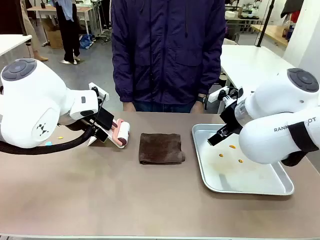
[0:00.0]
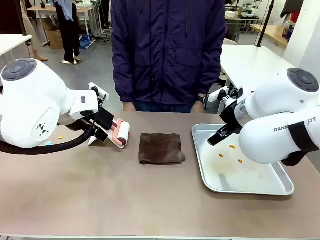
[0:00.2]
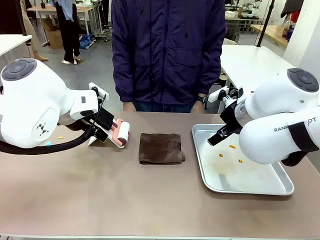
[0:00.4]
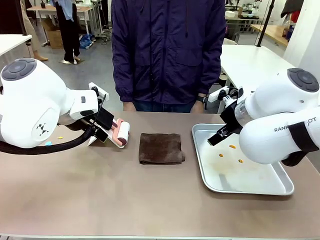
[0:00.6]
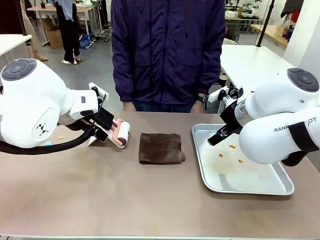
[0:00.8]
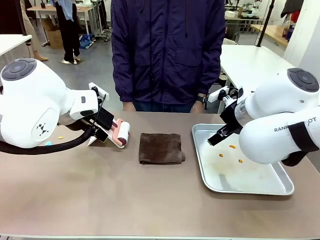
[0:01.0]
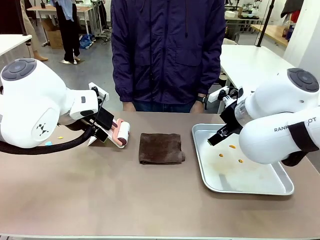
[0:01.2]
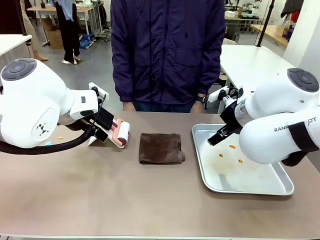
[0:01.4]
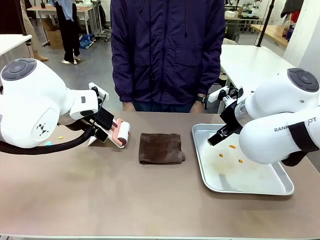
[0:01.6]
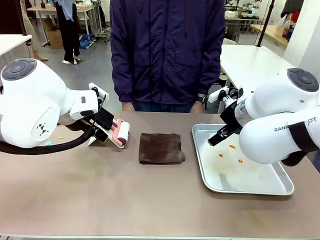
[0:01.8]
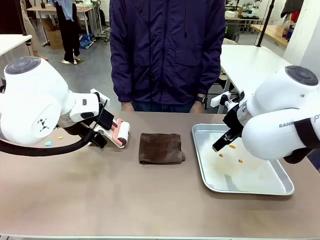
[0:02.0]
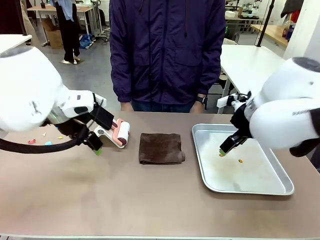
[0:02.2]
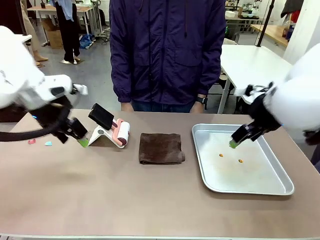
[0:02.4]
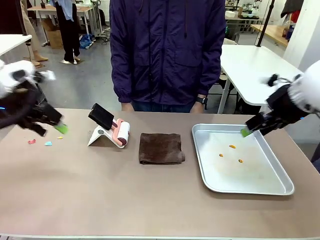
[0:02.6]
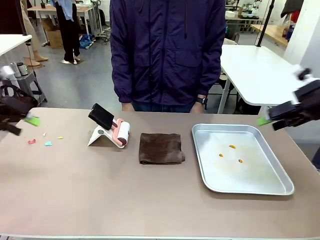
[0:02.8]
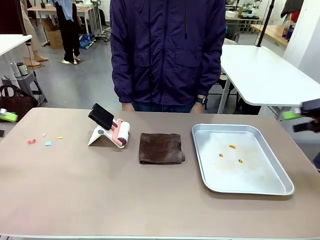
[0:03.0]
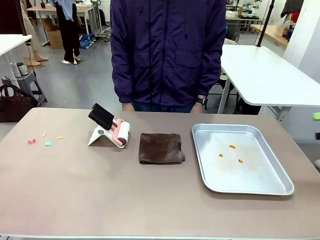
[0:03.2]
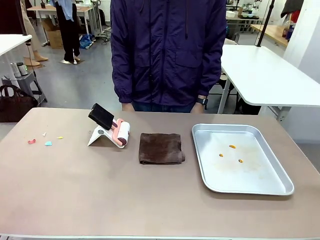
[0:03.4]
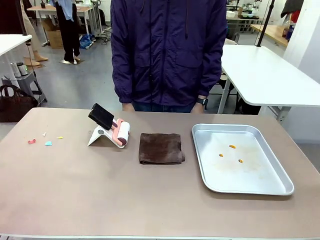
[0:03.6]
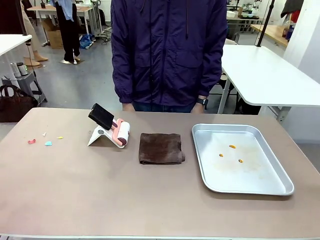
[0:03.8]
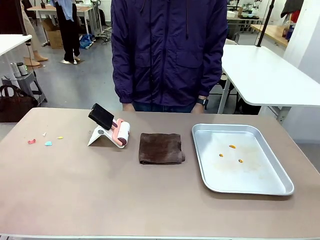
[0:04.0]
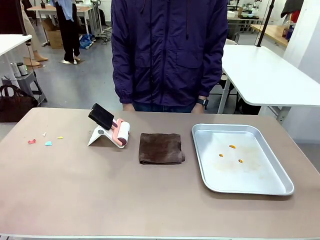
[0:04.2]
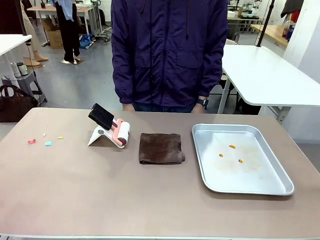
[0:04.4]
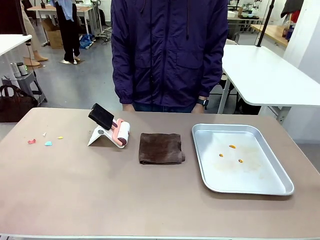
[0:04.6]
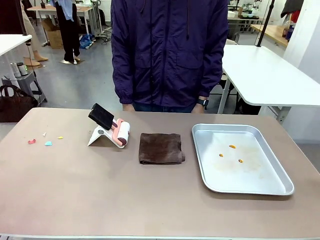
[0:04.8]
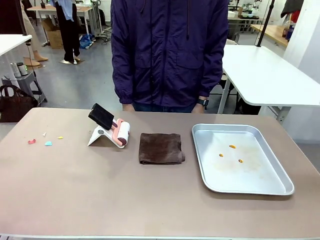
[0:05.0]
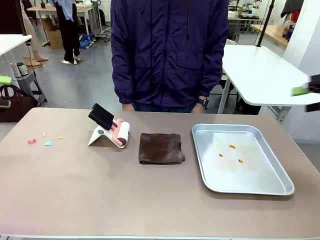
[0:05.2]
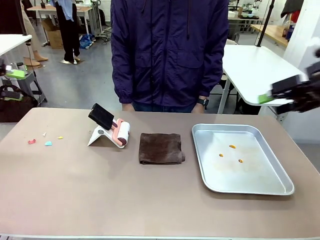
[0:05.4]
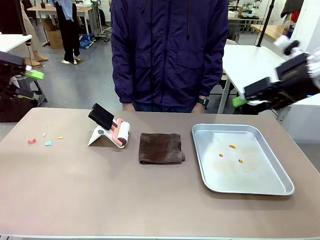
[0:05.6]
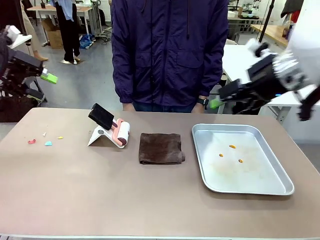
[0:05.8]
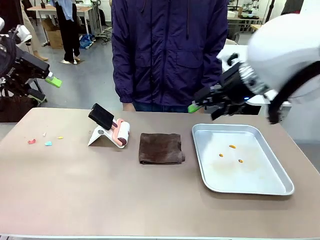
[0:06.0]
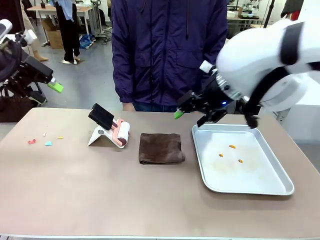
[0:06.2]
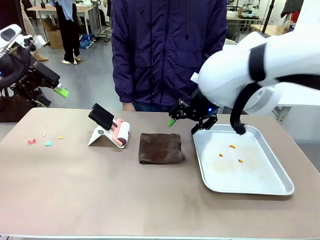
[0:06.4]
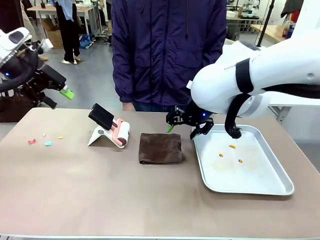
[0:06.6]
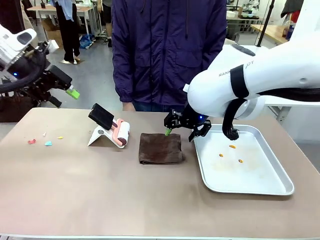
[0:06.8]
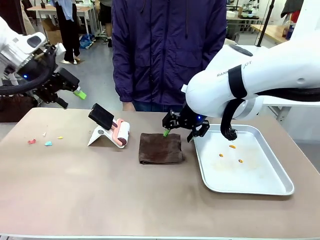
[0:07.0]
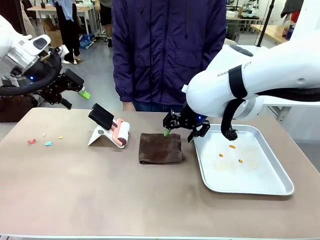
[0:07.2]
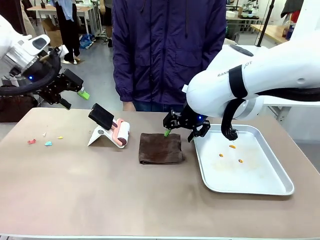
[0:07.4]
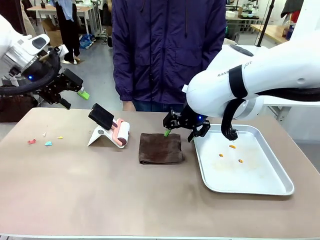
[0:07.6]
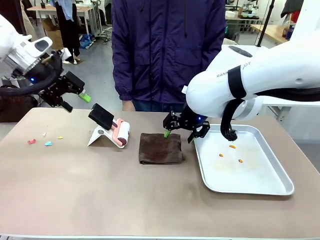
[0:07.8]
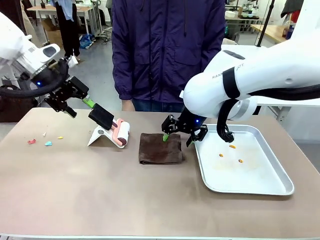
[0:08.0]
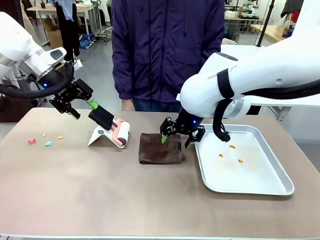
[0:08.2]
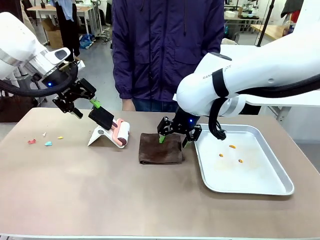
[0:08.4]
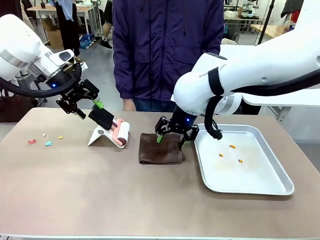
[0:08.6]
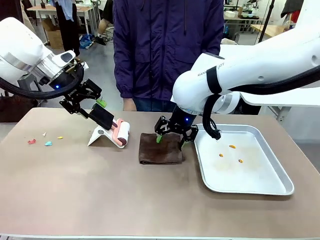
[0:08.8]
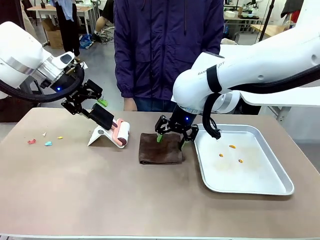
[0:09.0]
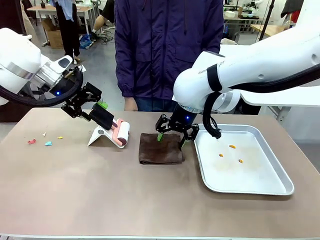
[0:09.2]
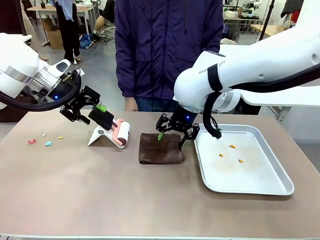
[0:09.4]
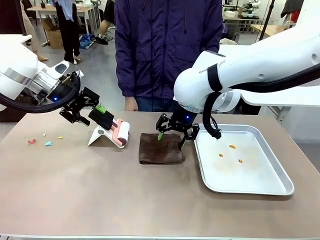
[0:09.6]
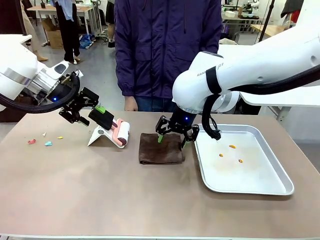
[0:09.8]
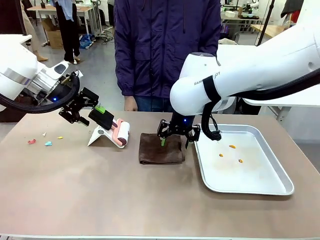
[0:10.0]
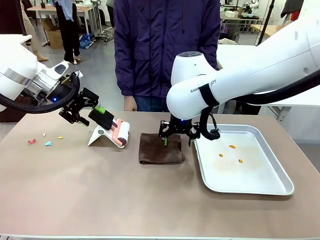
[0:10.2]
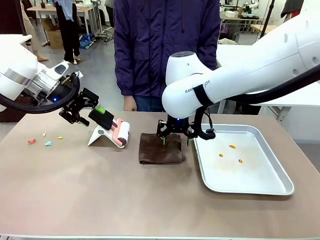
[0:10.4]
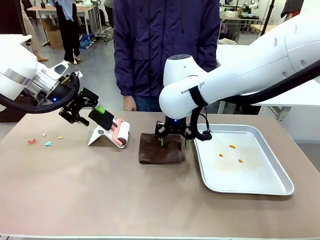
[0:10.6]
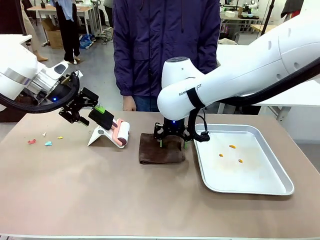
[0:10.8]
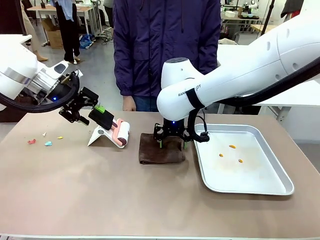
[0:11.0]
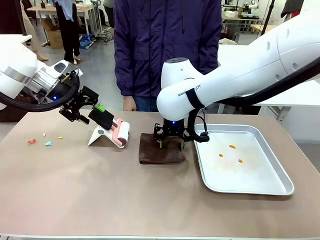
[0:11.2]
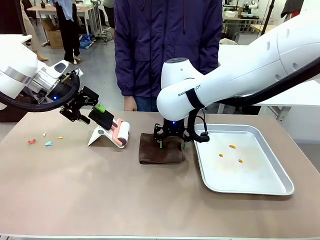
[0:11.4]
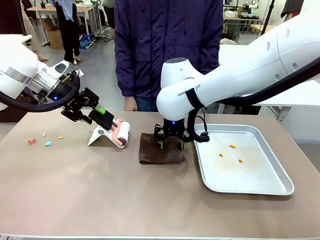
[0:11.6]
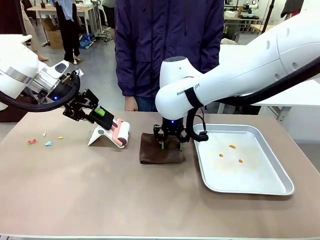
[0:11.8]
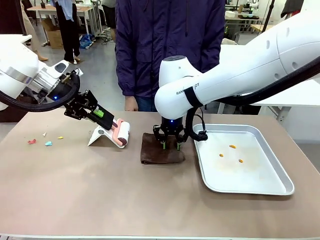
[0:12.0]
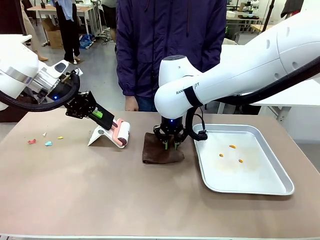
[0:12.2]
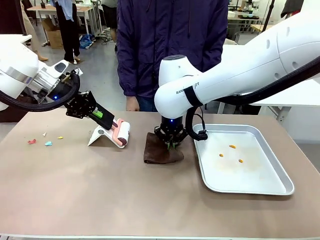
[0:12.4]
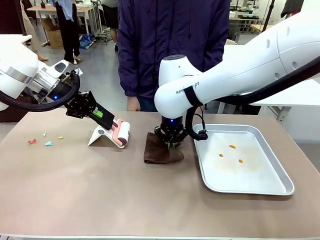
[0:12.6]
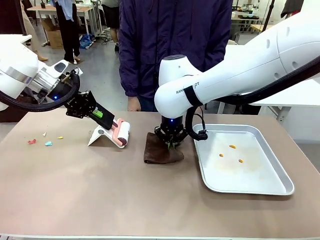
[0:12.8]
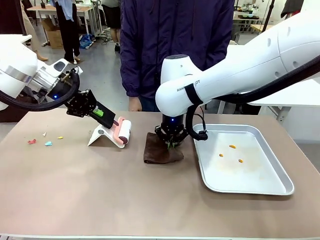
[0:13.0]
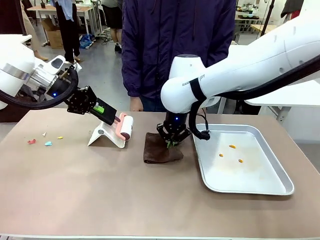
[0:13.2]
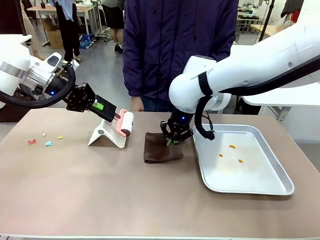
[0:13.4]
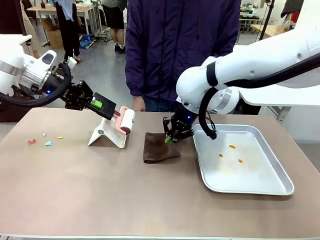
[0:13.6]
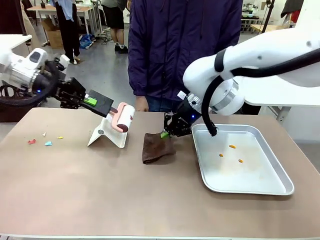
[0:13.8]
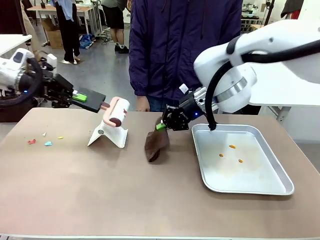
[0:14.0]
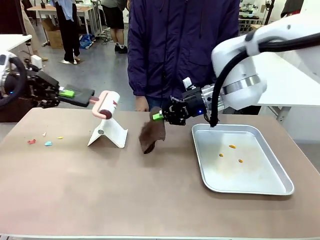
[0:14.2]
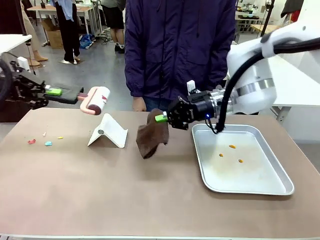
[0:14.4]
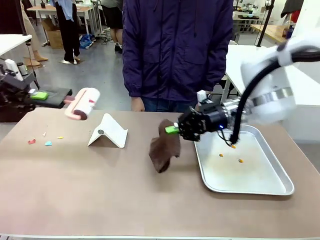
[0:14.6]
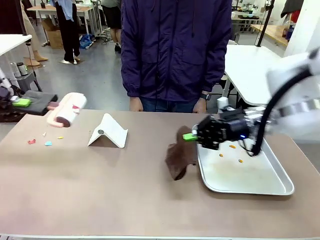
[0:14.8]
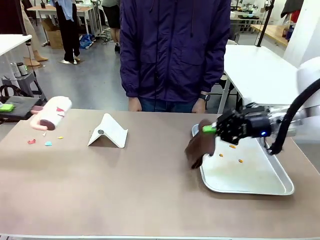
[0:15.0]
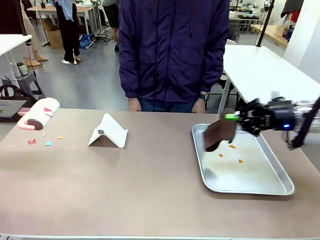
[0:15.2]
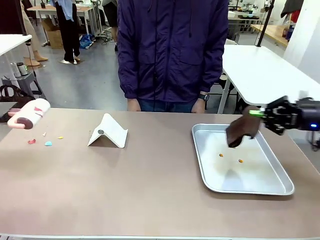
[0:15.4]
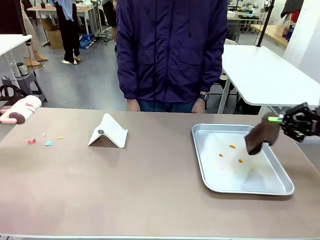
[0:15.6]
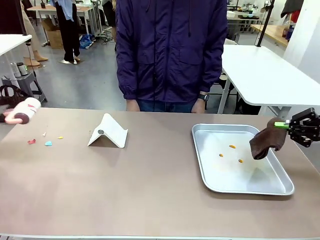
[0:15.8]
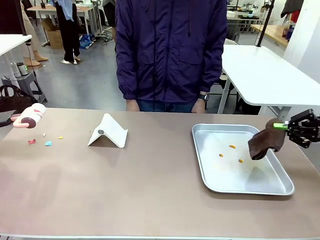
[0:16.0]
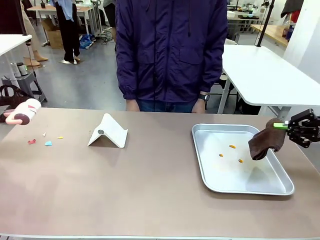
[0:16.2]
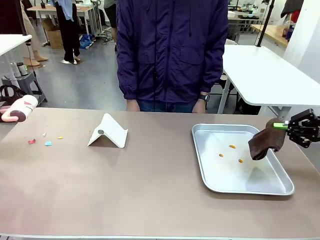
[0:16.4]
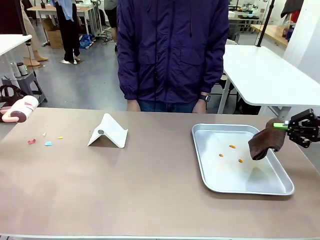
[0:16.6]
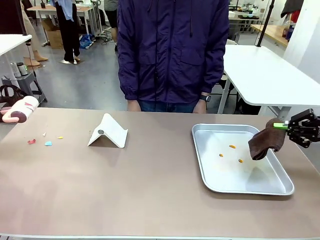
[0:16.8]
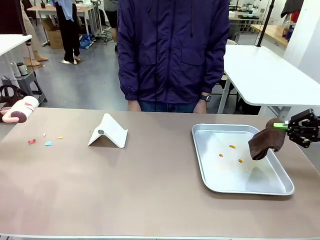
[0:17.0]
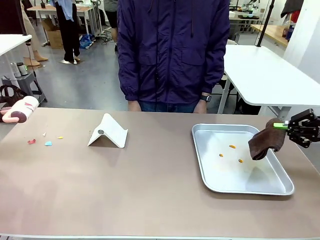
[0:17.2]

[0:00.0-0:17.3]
Task: Clean the surface of the table.
Robot: Hold the Lint Roller with your left hand and the towel with your right hand.
